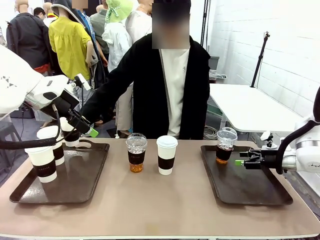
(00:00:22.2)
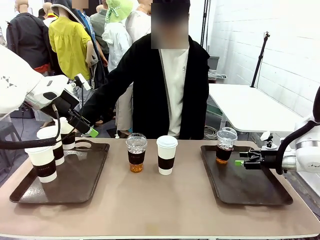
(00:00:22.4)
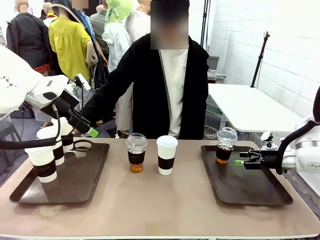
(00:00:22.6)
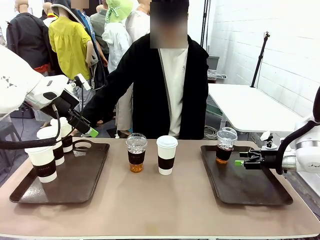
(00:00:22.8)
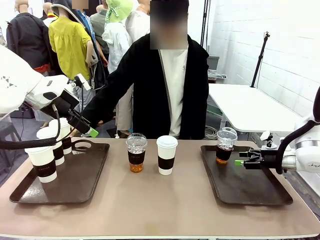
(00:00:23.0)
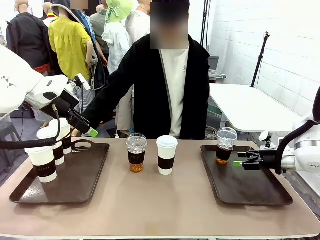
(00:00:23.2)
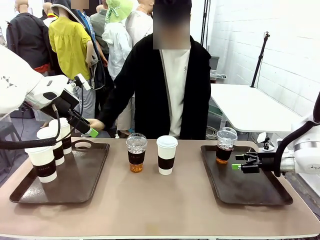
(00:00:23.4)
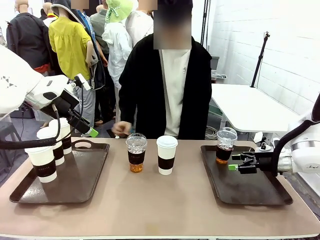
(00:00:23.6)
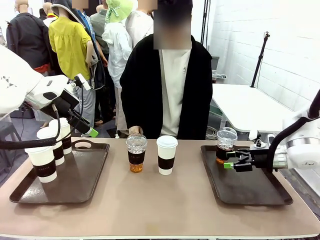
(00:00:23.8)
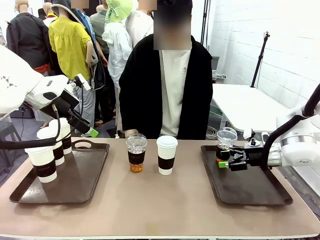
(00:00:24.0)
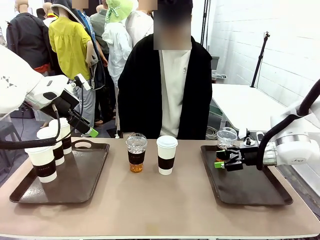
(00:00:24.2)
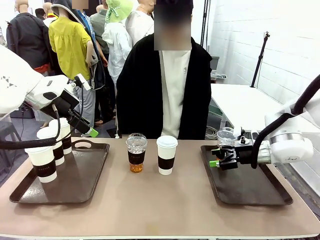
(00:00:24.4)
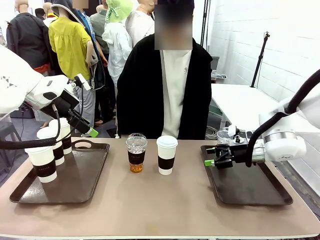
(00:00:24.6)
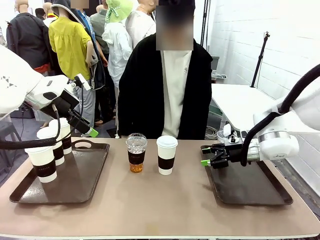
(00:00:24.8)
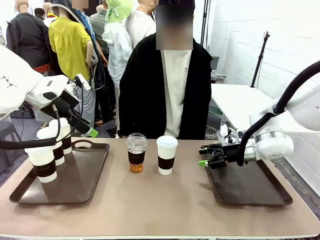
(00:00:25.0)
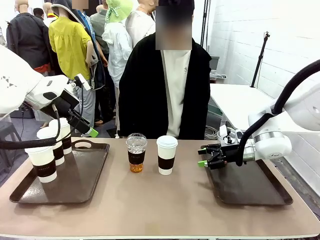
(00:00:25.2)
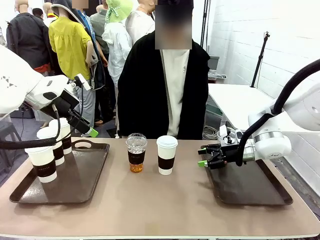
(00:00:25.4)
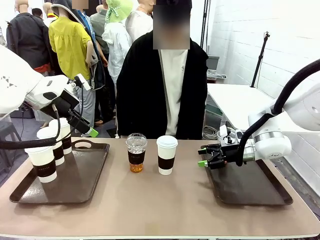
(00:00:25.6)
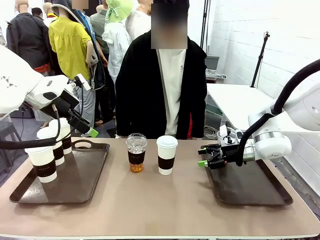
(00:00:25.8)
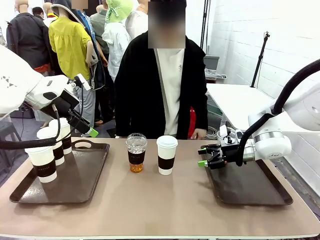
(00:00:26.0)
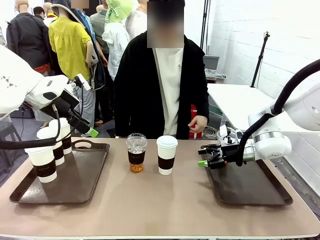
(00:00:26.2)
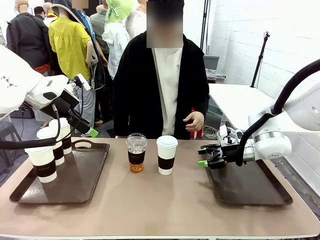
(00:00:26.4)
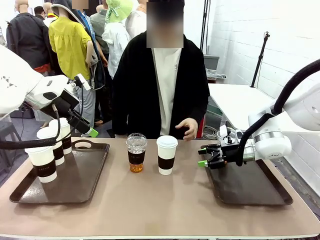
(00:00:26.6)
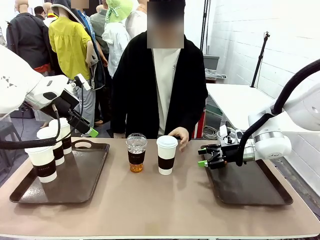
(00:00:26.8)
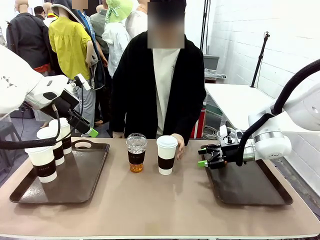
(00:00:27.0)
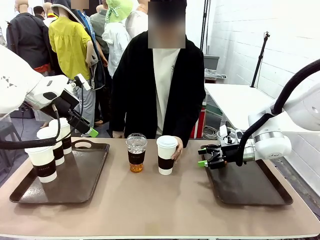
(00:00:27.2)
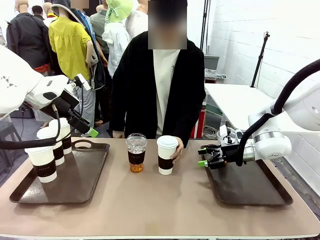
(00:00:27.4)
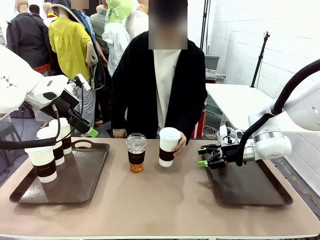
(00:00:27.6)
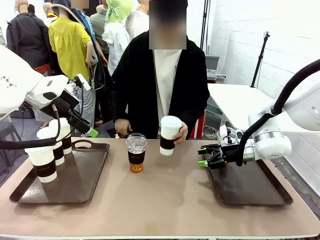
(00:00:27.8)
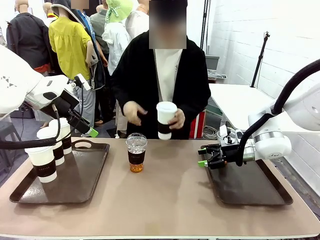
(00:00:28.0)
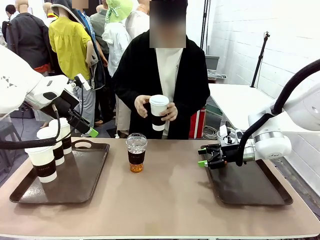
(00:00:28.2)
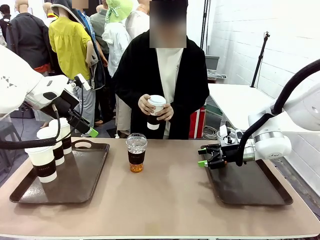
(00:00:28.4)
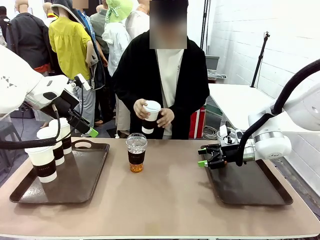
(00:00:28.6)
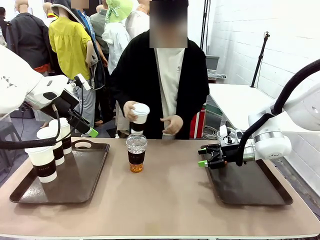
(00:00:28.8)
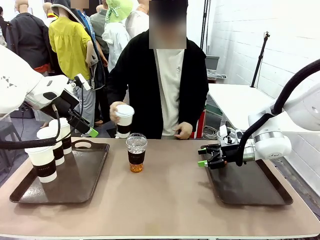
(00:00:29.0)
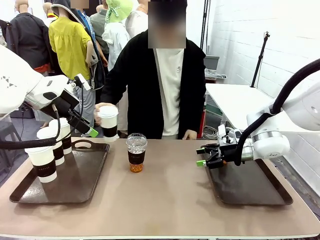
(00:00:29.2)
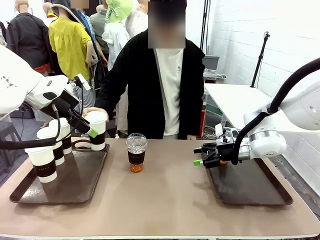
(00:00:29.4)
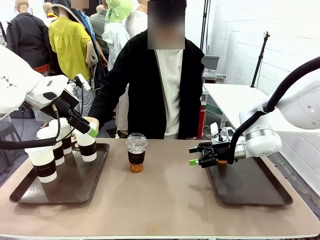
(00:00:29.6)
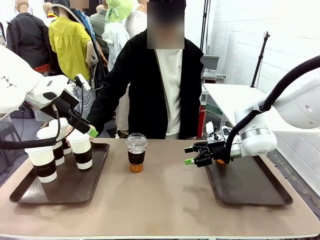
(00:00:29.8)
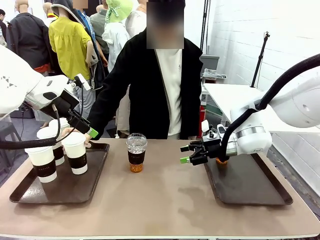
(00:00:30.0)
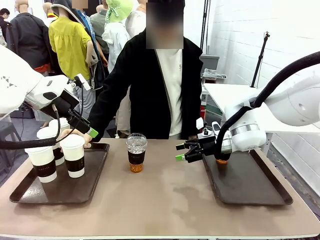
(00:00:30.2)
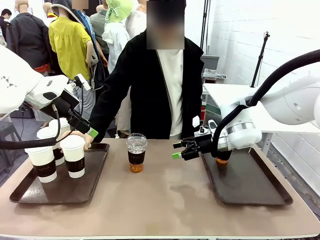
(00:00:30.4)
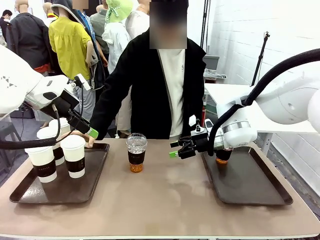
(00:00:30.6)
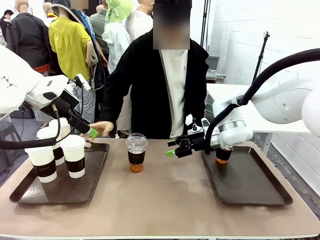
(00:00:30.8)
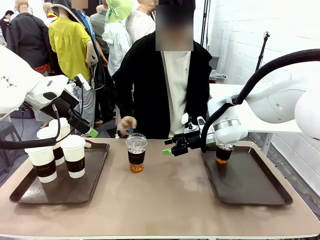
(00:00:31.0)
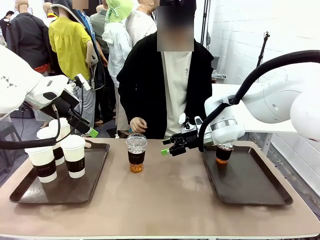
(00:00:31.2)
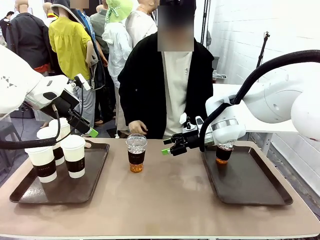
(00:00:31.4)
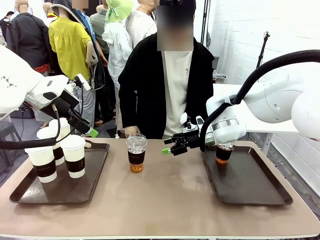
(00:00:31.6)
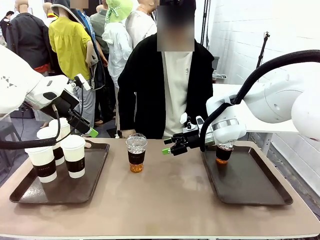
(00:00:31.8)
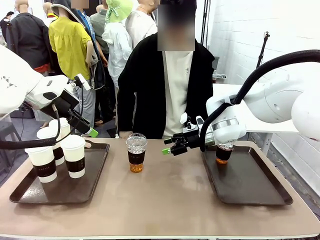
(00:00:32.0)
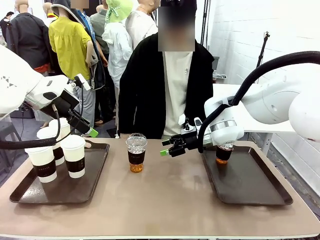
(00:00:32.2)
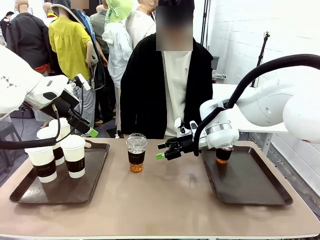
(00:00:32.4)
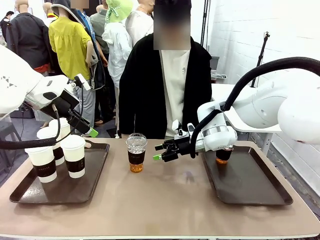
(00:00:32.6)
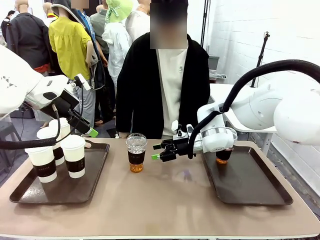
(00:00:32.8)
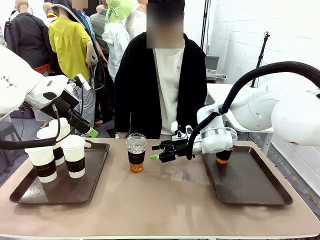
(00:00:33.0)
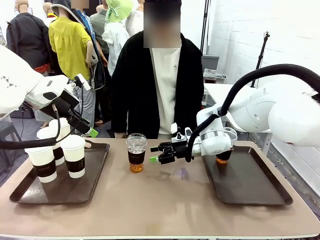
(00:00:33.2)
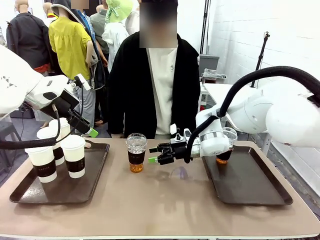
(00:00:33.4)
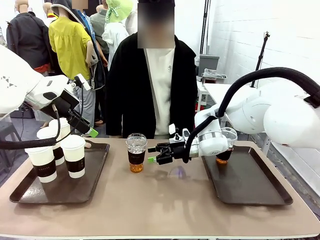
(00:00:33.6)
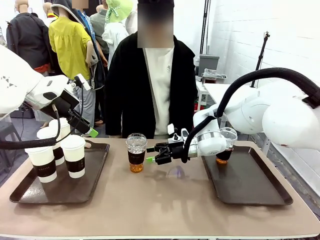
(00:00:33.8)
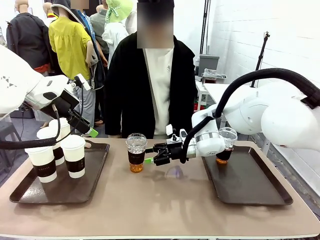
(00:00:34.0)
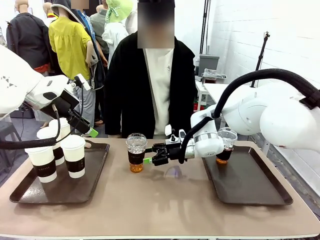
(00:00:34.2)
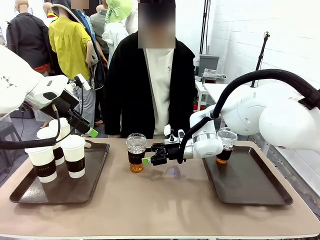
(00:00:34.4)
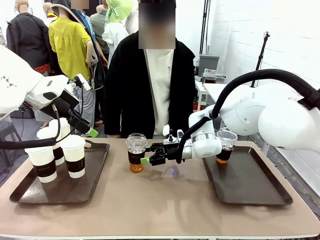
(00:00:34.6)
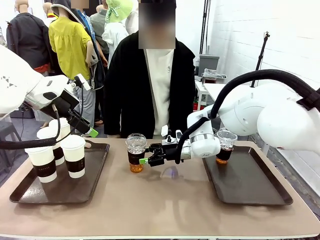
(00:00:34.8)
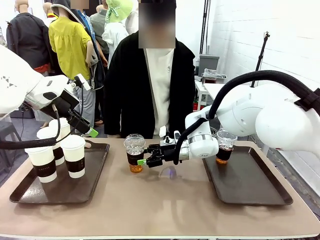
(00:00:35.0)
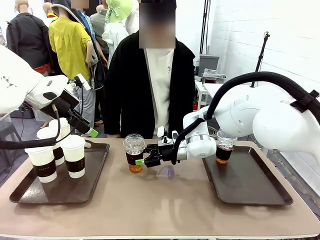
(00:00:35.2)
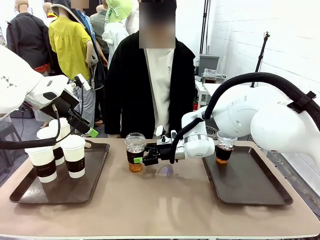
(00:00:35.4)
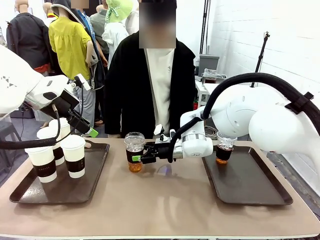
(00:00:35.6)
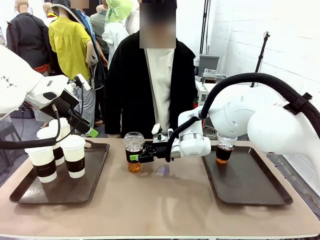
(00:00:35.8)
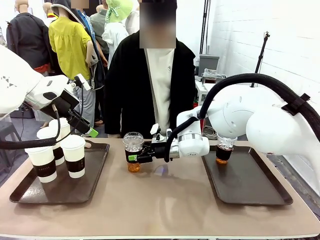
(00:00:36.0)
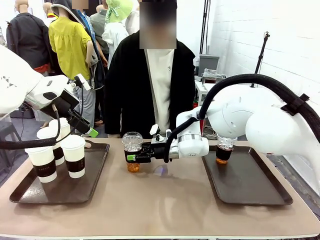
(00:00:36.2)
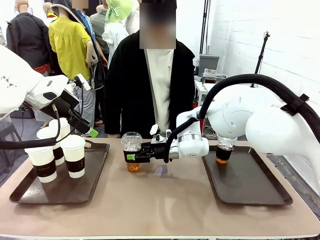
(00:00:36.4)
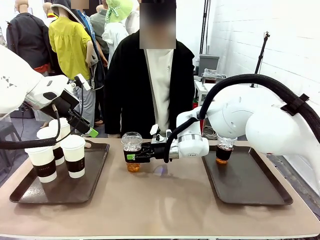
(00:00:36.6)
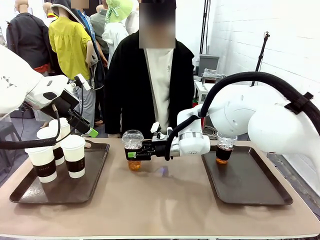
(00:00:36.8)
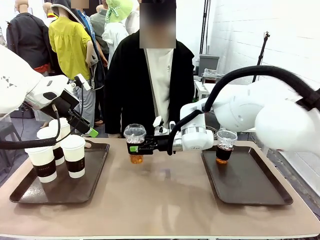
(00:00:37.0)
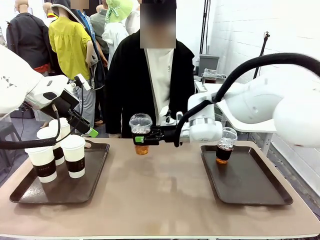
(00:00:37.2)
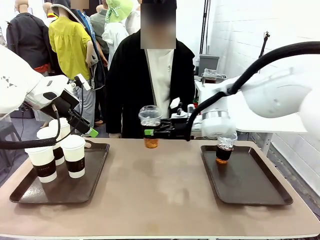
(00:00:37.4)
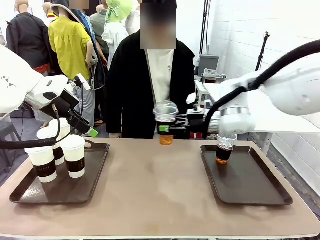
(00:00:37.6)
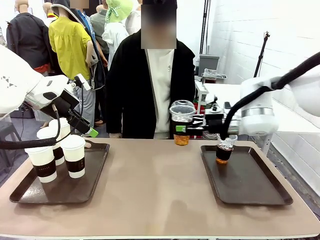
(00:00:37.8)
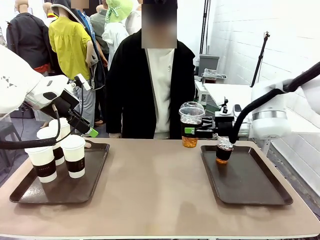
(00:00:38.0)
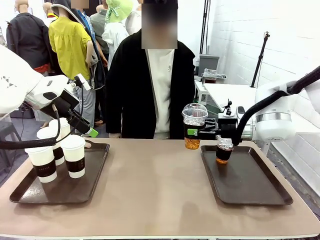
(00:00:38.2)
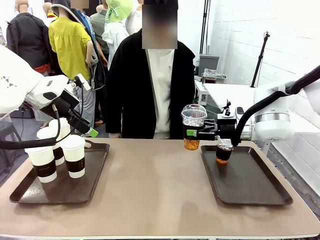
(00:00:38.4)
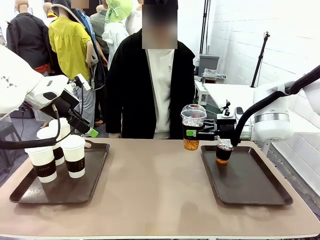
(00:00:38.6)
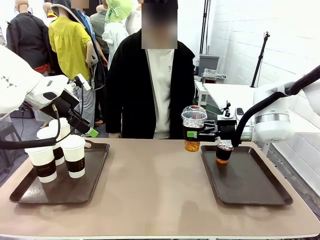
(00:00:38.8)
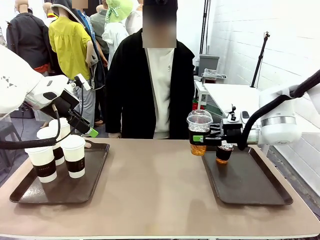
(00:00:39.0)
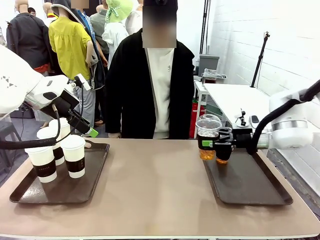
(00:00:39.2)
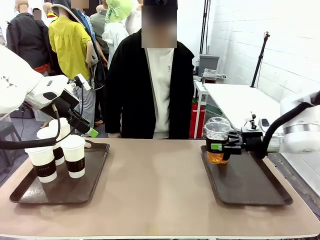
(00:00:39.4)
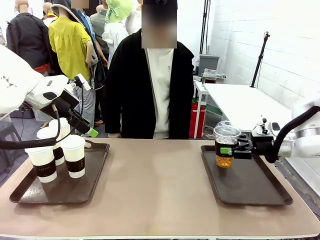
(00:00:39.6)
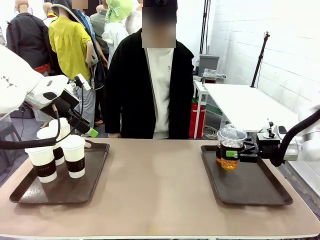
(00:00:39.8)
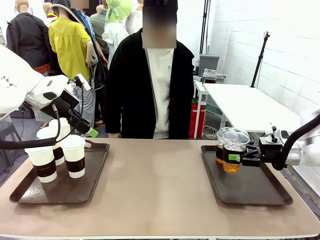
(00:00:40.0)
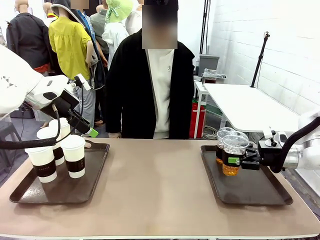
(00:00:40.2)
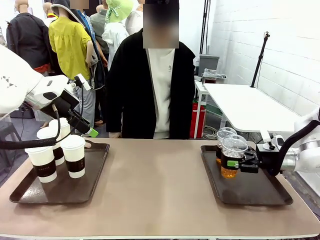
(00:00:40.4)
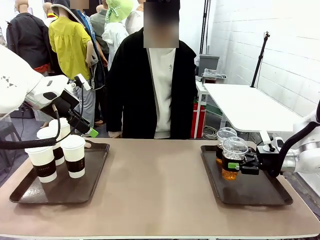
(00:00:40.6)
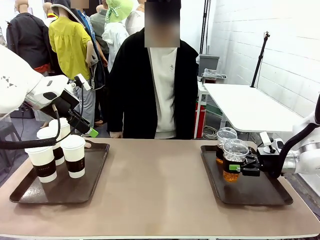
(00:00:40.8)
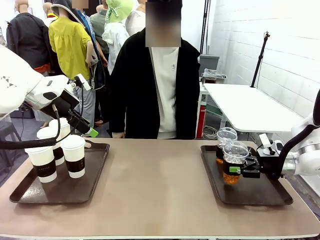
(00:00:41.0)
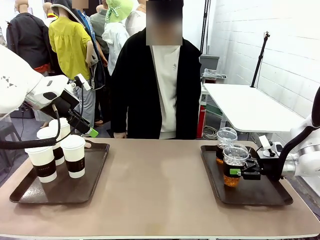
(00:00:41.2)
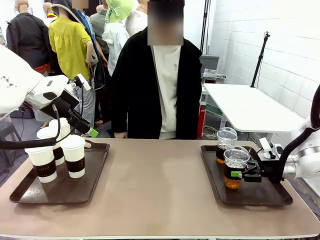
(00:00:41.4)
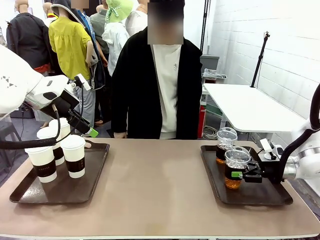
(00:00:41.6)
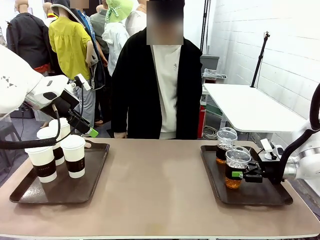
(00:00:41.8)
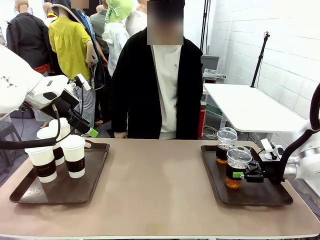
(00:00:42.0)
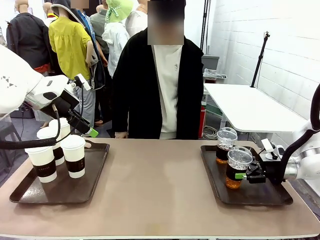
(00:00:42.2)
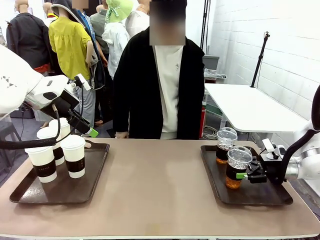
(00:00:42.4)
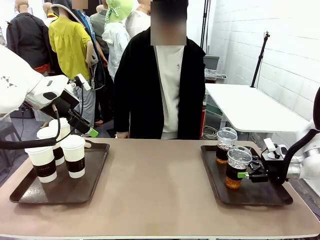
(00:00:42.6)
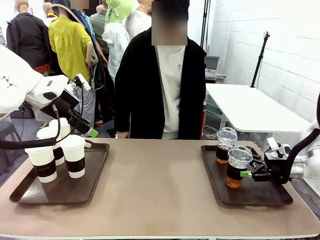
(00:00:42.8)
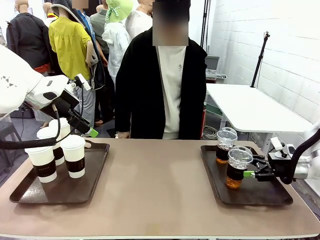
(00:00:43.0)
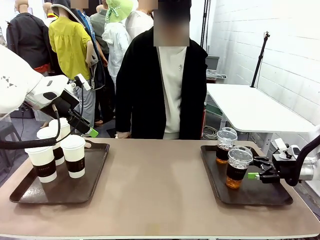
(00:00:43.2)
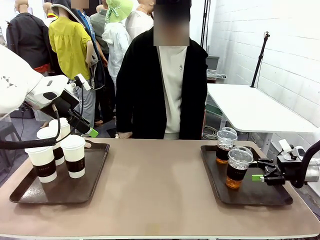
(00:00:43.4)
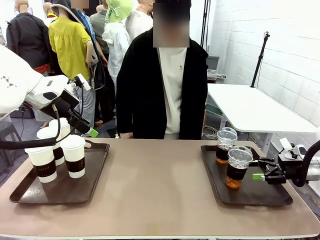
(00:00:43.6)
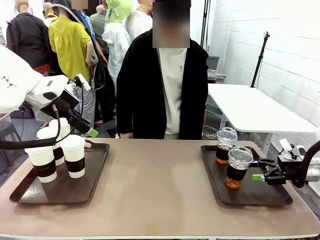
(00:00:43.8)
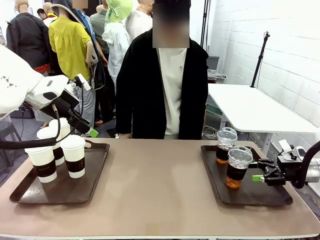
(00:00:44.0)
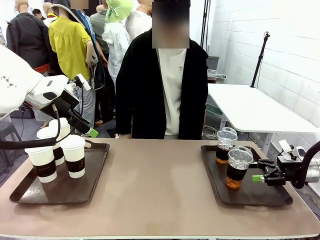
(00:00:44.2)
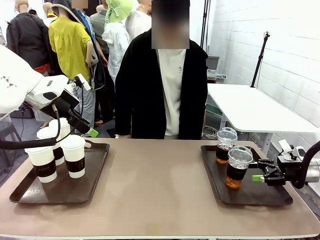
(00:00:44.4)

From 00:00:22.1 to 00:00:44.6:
Task: Distribute the coffee onto the tray.
Robot: Pick up another iced Americano from the middle of the table and place it on the right Handle tray.
Person: Pick up a cup of hot Americano from the middle of the table and place it on the right tray.
